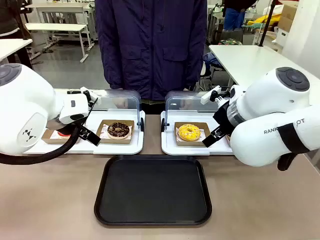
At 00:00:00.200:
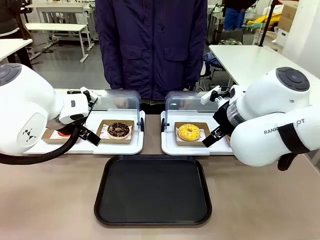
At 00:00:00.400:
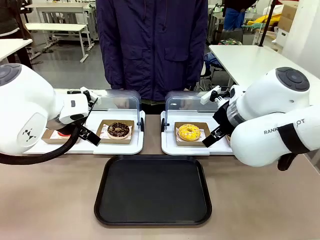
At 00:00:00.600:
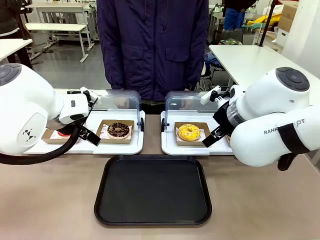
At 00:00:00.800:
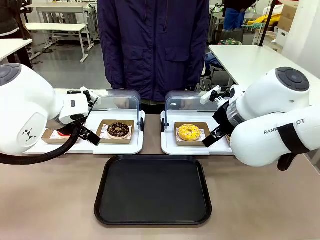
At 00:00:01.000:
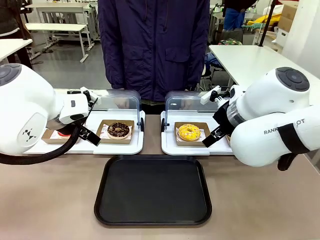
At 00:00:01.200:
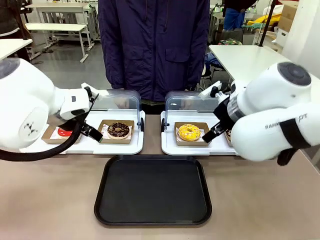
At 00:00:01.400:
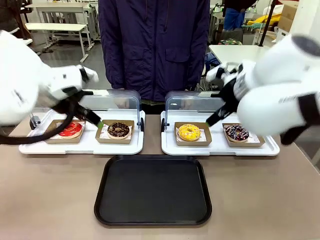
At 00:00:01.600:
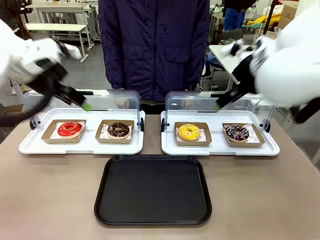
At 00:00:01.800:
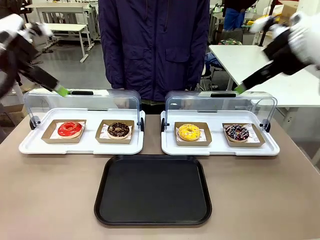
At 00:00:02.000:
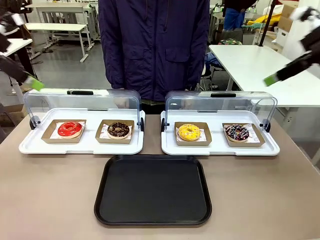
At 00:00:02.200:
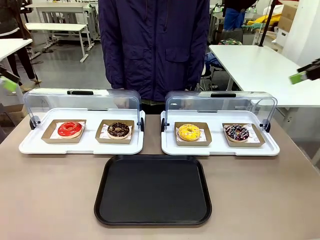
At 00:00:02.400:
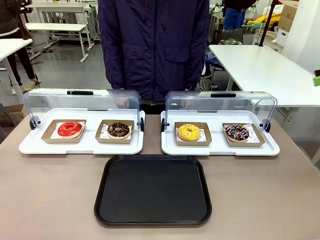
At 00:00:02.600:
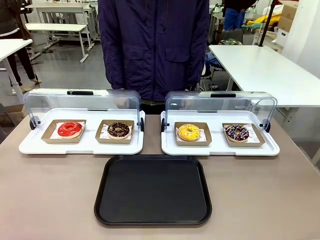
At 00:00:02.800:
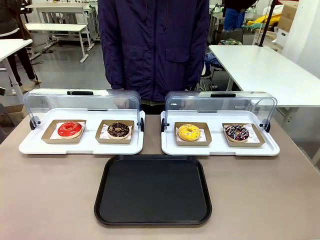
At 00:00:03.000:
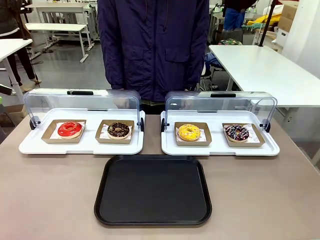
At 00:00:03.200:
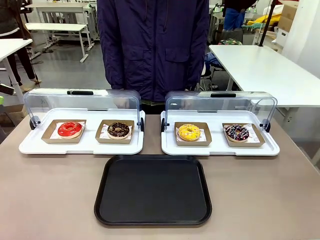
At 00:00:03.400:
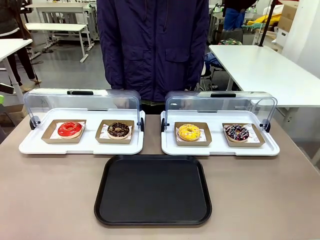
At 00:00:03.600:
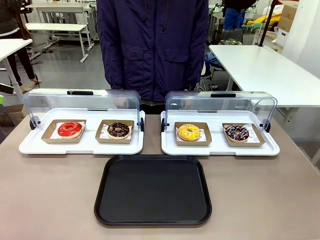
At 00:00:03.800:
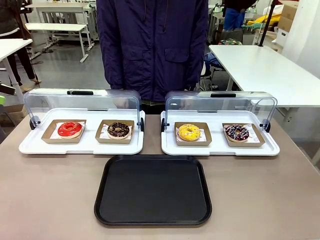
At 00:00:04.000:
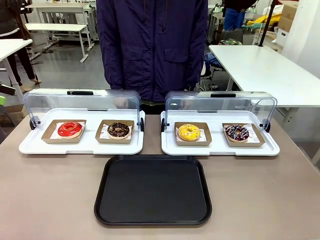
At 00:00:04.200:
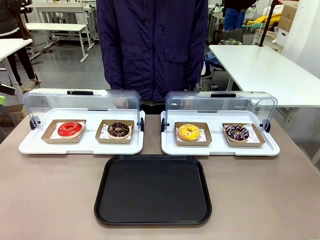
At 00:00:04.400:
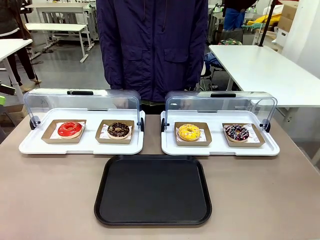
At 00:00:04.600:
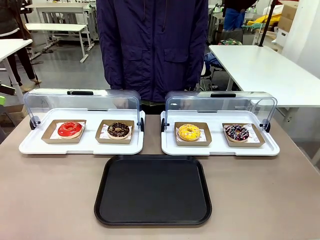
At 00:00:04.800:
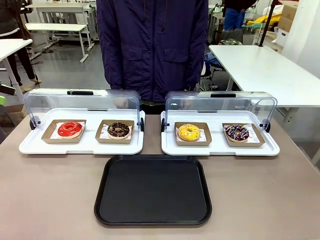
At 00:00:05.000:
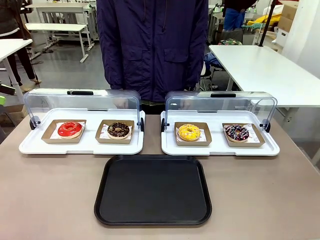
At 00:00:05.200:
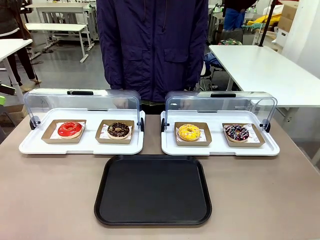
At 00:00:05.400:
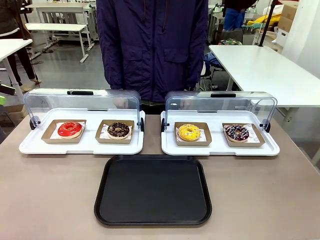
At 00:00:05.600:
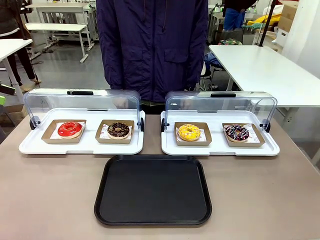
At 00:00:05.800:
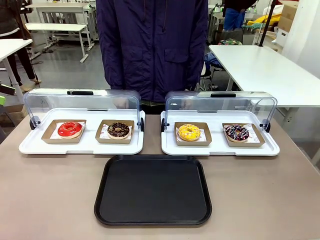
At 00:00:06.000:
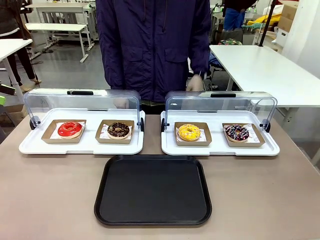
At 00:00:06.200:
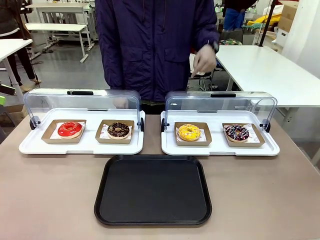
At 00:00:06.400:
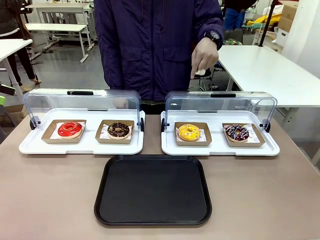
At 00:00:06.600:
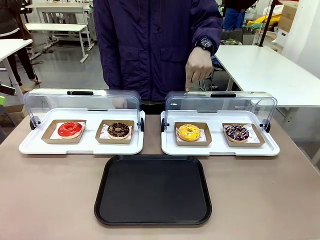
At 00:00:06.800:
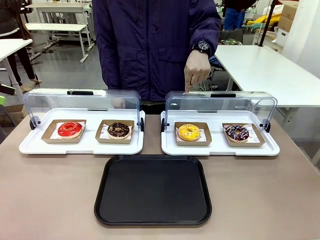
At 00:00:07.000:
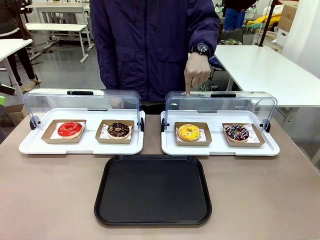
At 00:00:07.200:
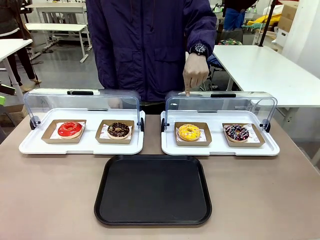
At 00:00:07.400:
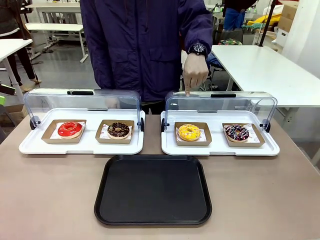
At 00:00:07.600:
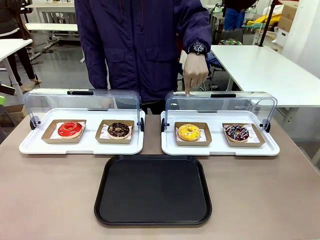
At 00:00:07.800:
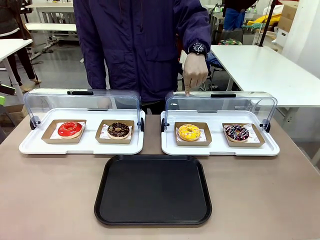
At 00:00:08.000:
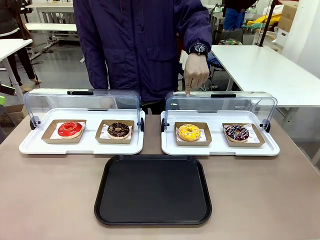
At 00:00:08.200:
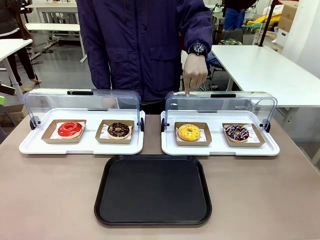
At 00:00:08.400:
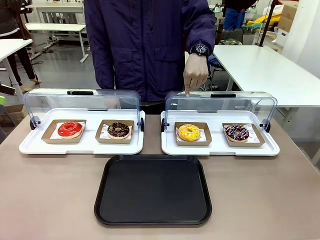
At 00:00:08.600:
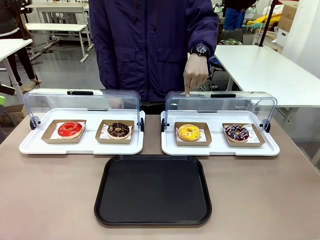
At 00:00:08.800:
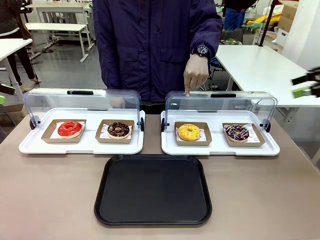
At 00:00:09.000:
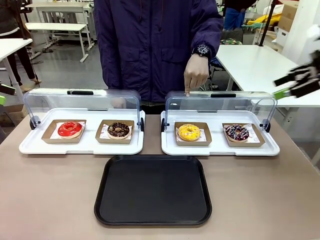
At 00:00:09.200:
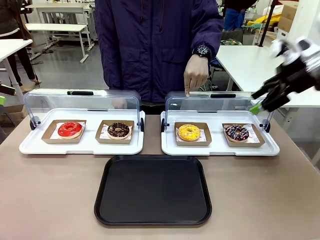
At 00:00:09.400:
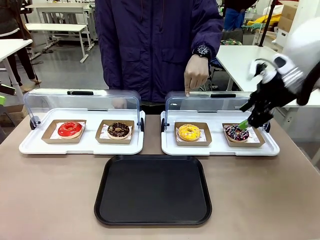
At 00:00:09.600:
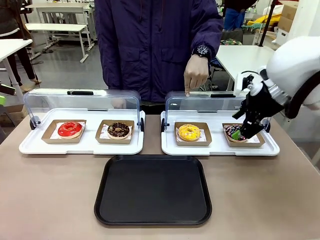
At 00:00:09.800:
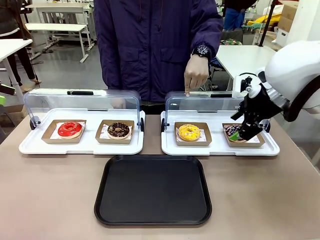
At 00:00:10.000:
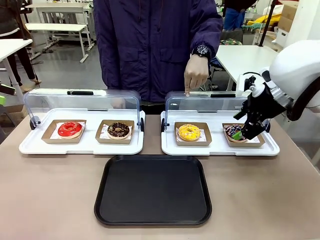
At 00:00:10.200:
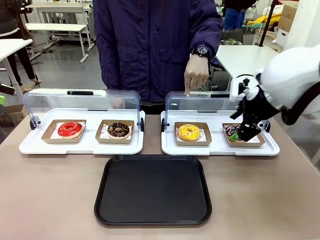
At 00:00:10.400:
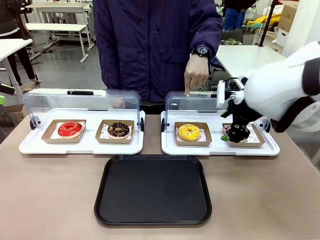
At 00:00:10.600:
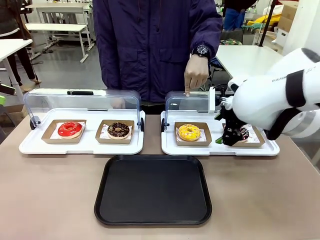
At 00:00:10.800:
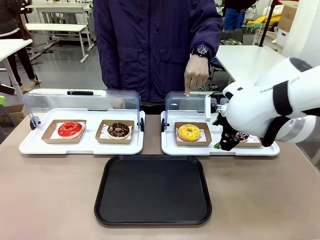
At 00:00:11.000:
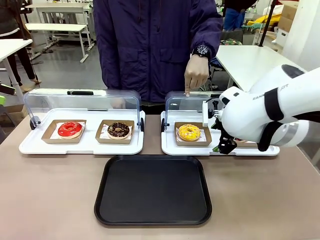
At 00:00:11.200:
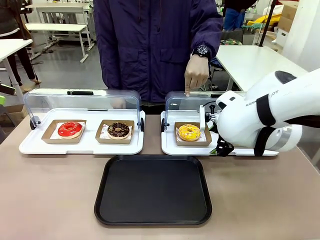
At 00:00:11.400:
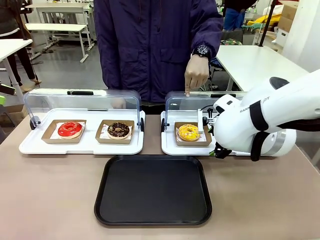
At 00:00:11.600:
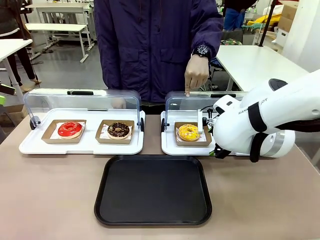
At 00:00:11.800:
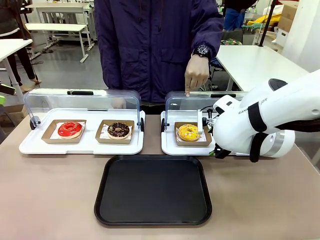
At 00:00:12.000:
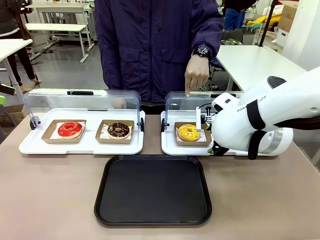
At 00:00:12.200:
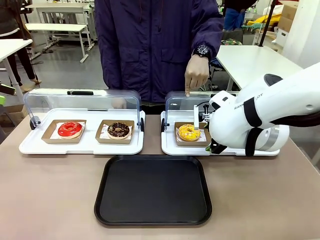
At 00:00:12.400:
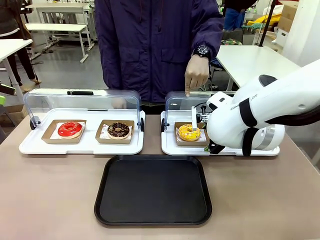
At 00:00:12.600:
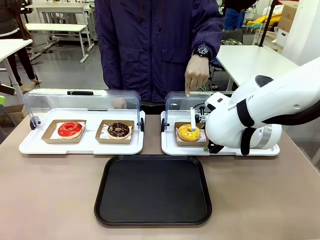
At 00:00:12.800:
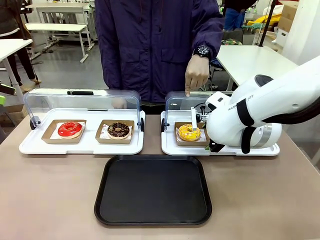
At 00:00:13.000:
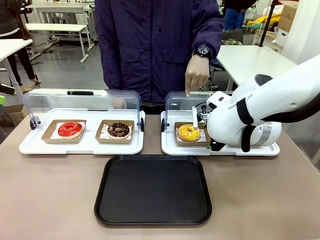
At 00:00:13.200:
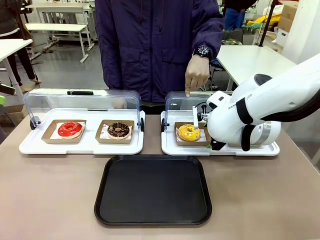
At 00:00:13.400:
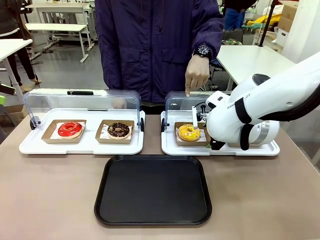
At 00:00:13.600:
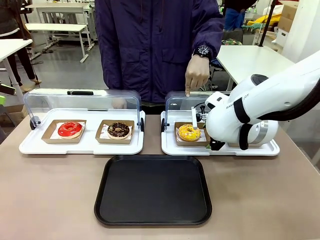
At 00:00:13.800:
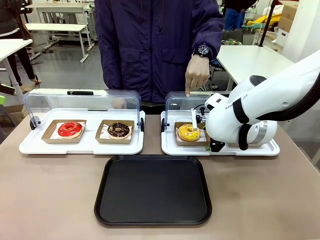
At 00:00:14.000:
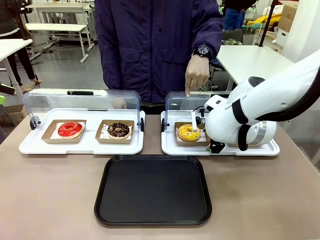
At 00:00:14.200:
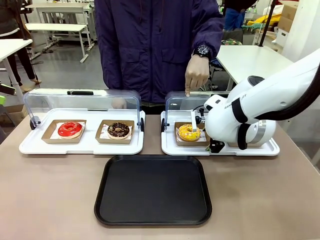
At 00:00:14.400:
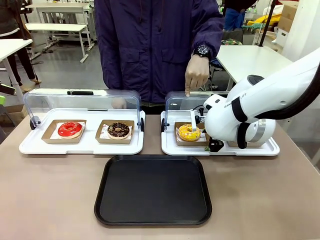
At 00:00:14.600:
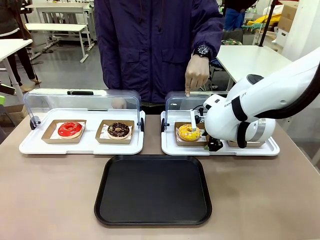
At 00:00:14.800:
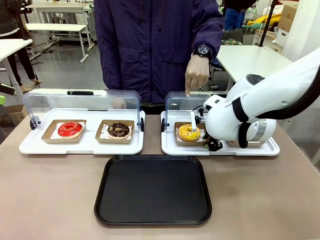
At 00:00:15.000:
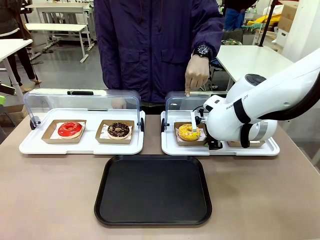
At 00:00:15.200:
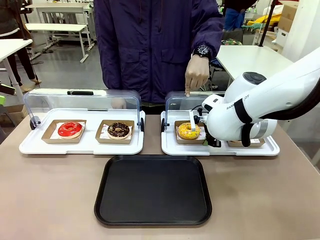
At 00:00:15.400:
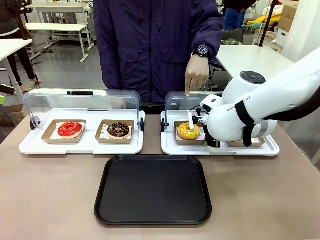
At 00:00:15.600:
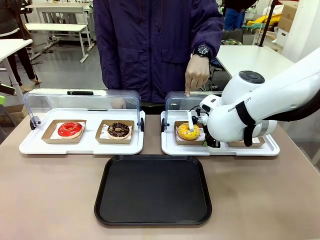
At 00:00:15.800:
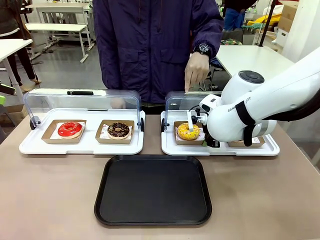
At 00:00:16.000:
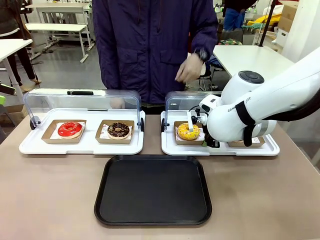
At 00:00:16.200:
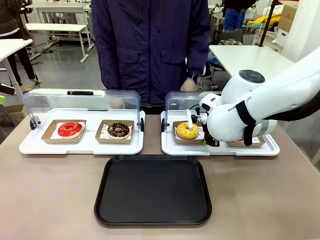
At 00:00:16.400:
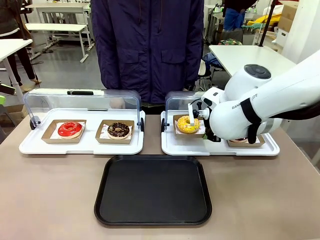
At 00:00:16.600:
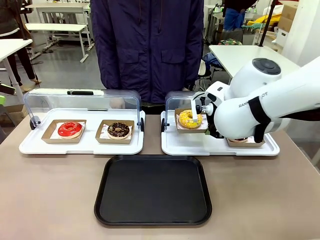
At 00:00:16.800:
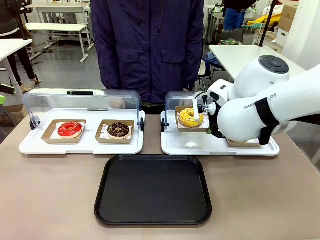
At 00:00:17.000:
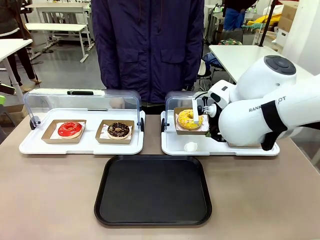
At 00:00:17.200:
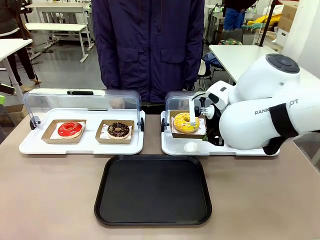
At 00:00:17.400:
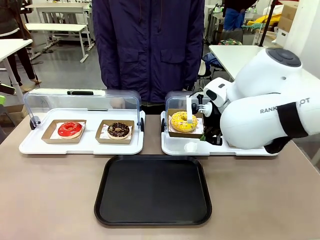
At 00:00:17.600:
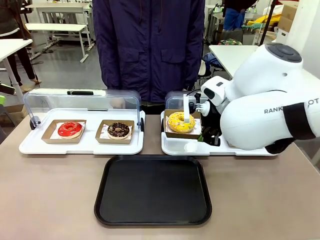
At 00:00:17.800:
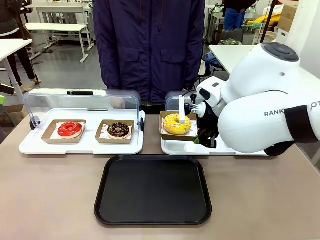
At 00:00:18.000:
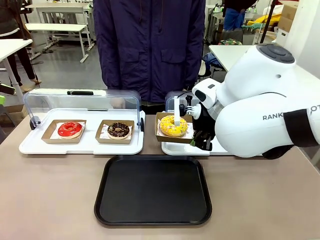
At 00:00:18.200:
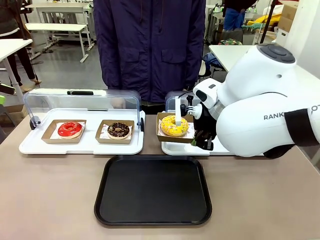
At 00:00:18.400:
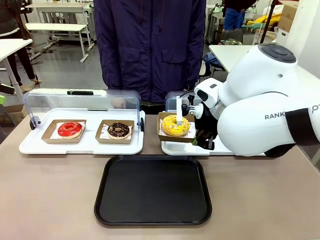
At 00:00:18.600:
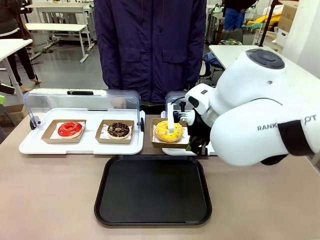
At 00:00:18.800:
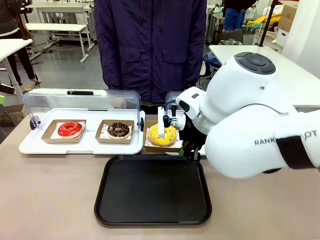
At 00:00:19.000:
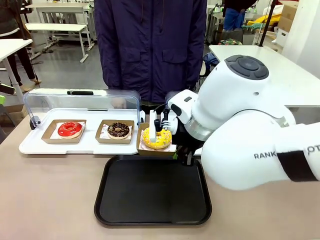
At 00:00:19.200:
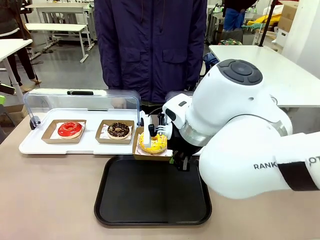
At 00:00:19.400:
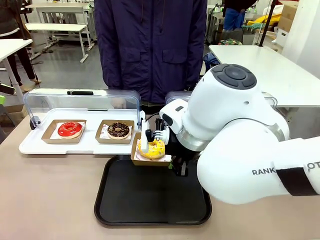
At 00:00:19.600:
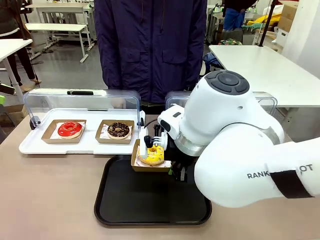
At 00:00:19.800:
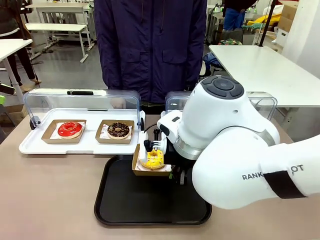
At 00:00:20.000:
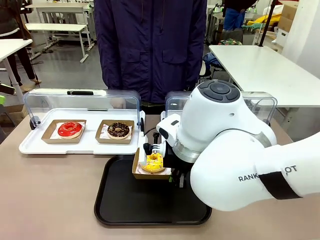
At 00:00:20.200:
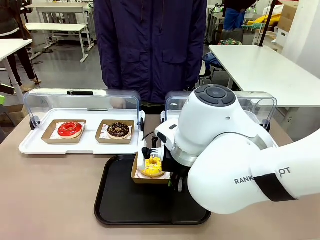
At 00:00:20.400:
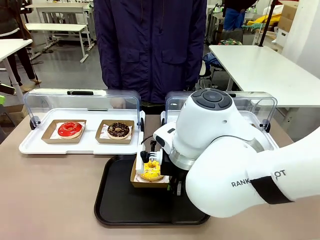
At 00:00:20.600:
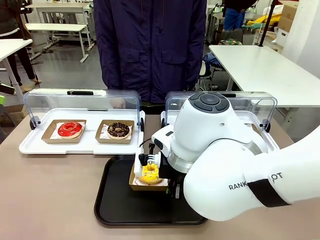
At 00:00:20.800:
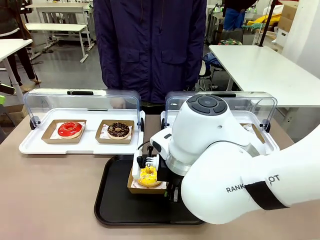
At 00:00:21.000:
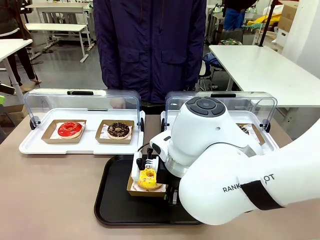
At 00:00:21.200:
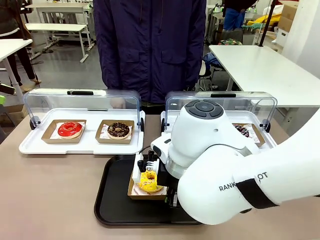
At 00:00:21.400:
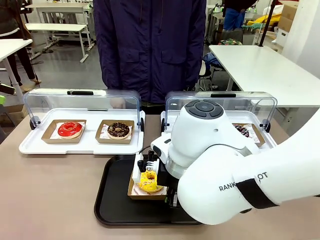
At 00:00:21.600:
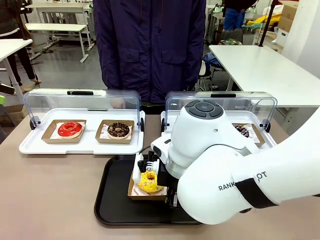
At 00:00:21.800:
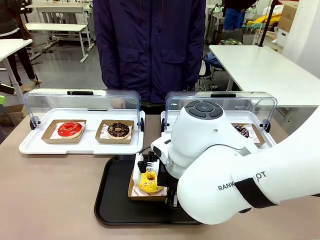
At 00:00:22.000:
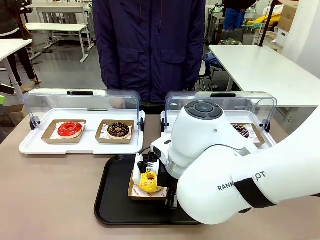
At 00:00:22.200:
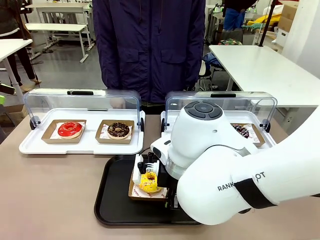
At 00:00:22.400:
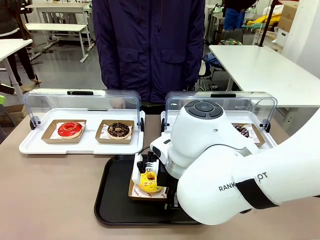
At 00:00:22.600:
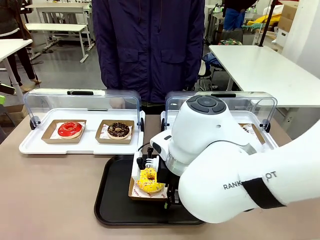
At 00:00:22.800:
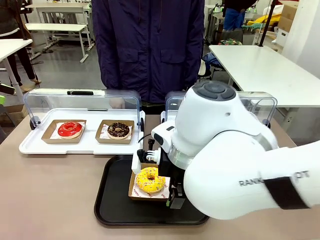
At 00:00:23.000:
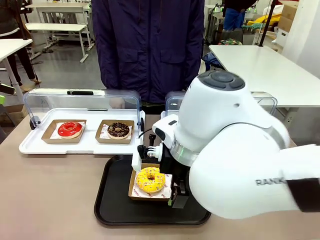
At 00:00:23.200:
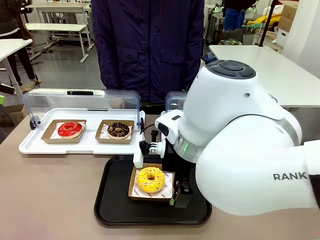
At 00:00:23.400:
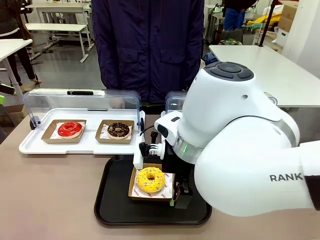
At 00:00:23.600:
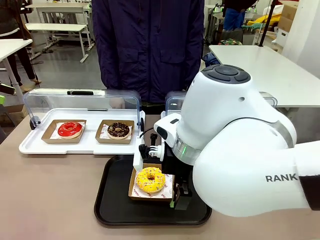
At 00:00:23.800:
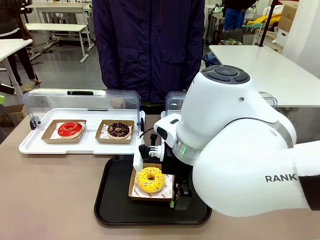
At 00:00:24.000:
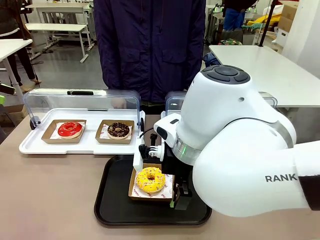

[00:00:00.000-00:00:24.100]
Task: Move the third donut from the left to the tray.
Robot: Pick up the Paper togo box containing the Donut indicated by the person and place it on the Handle tray.
Person: Points to the third donut from the left from the robot’s perspective.
